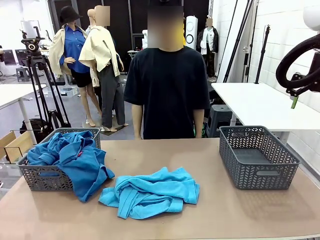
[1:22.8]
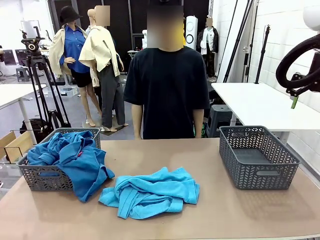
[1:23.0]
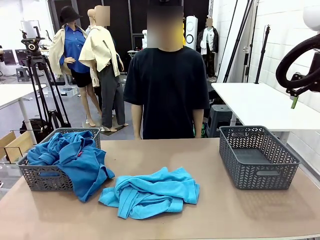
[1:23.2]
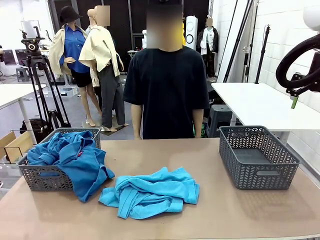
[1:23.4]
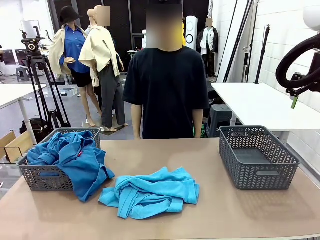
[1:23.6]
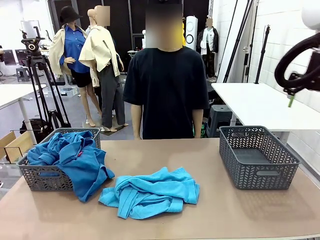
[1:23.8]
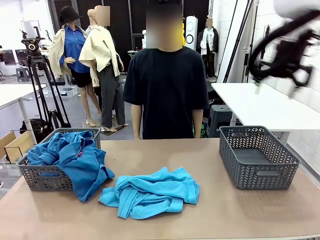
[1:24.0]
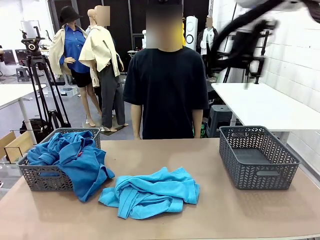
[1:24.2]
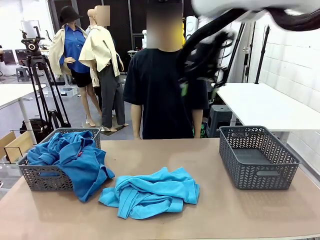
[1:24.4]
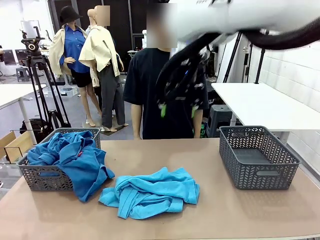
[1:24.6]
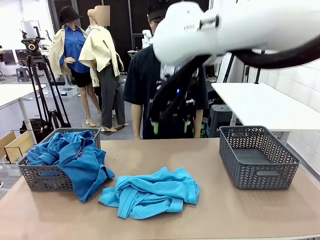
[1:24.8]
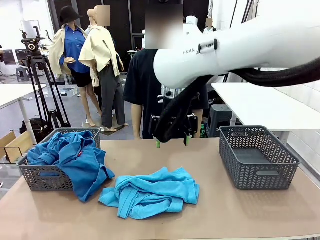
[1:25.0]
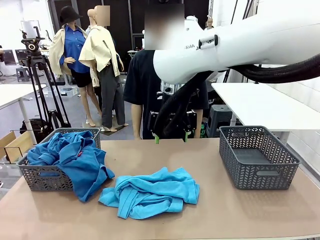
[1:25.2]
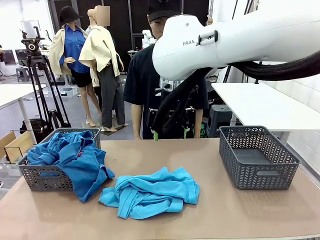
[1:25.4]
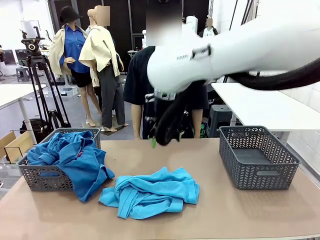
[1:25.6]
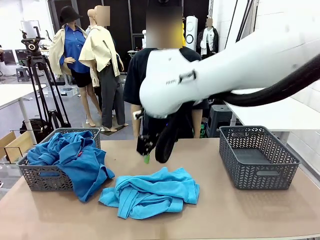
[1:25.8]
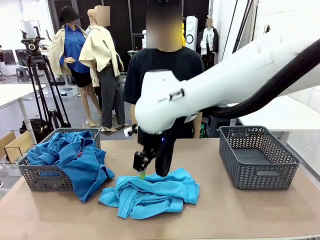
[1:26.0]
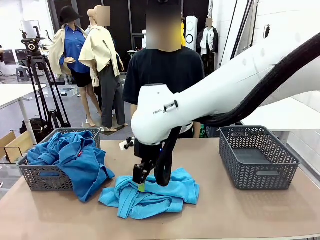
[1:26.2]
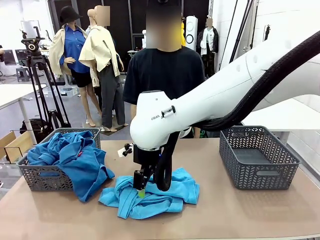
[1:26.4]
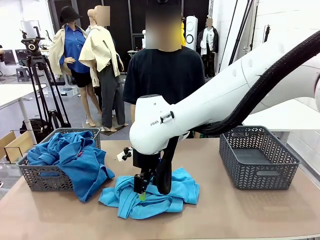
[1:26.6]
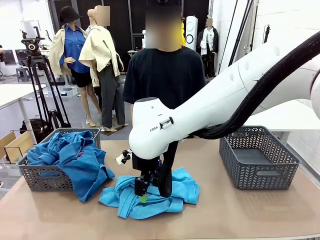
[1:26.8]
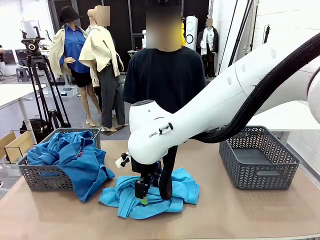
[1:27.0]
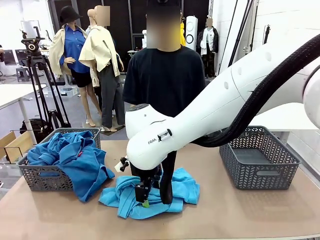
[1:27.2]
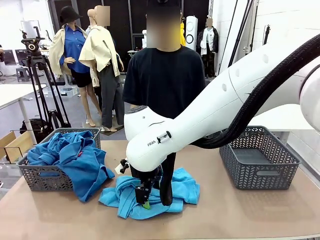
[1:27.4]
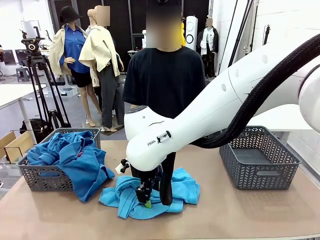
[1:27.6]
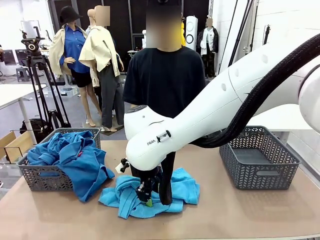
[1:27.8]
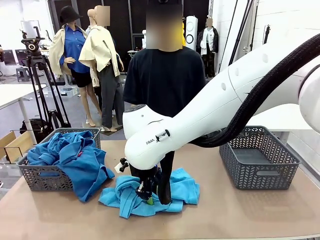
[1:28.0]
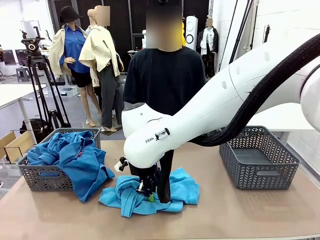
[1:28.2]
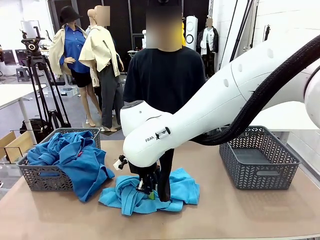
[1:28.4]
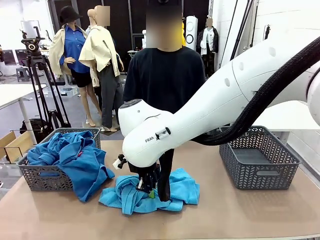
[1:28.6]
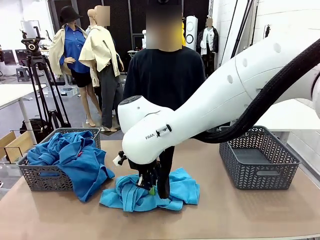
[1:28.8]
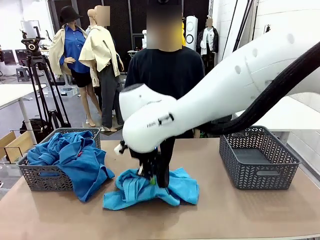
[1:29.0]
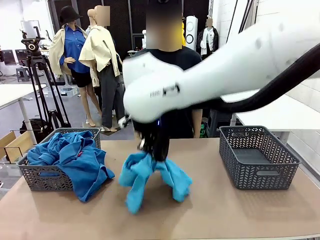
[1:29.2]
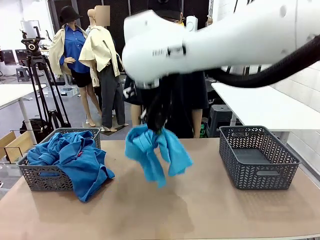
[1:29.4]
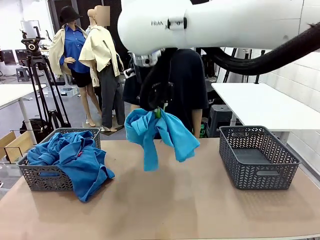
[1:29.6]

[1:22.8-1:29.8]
Task: Sort the tops and bottoms.
Robot: Lift clothes from the center of the table with your right hand.

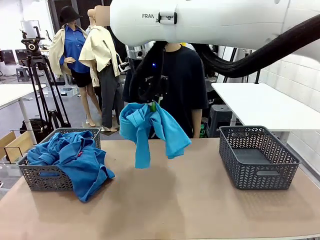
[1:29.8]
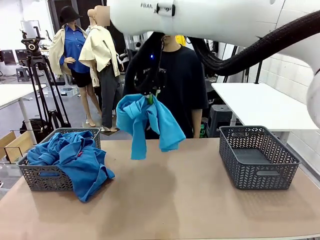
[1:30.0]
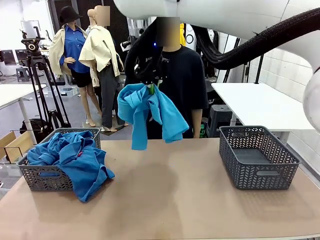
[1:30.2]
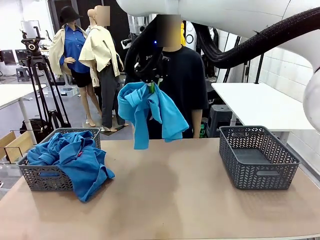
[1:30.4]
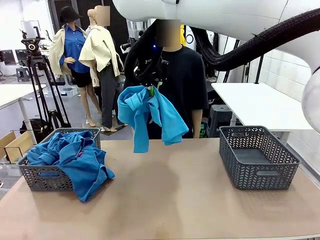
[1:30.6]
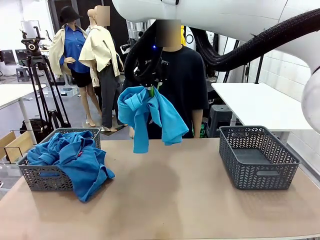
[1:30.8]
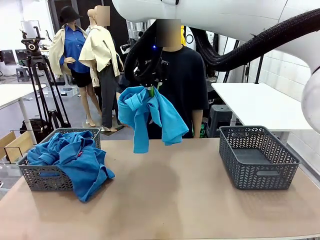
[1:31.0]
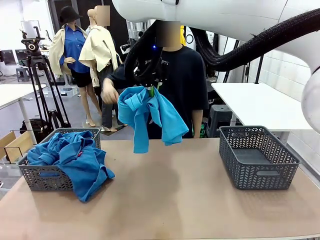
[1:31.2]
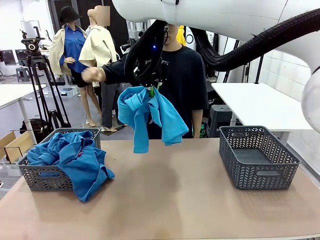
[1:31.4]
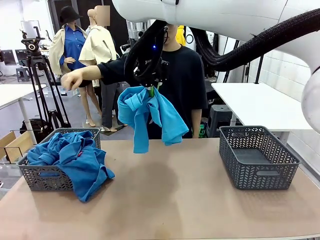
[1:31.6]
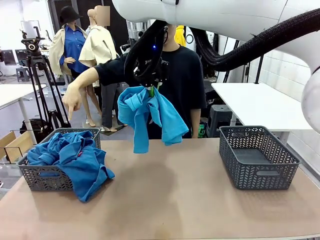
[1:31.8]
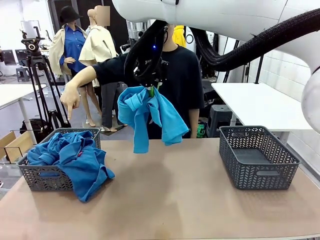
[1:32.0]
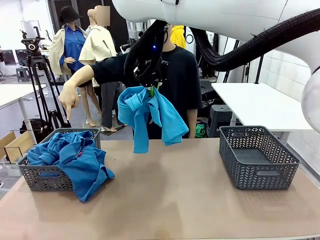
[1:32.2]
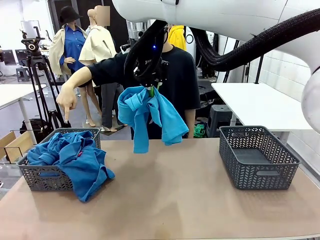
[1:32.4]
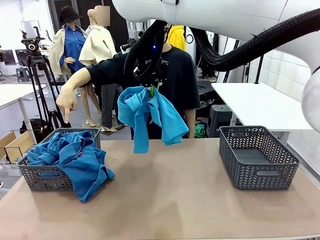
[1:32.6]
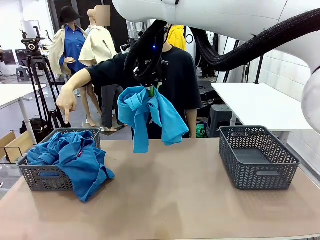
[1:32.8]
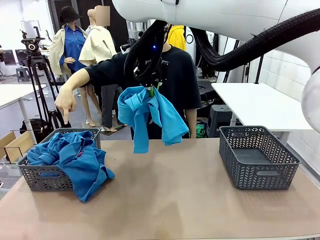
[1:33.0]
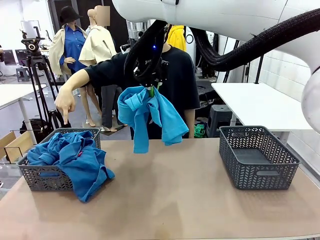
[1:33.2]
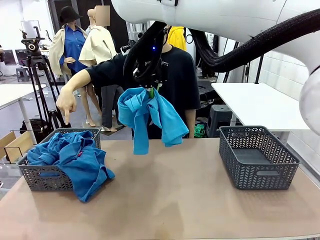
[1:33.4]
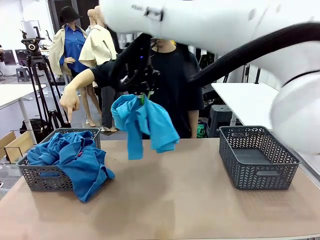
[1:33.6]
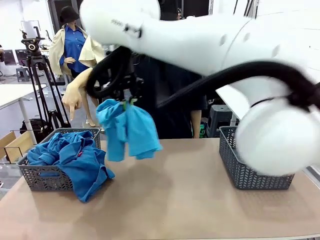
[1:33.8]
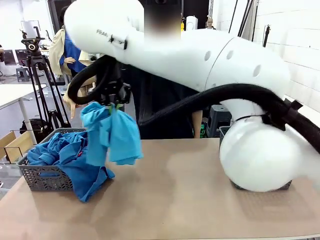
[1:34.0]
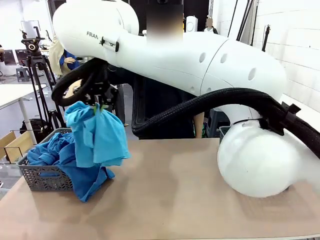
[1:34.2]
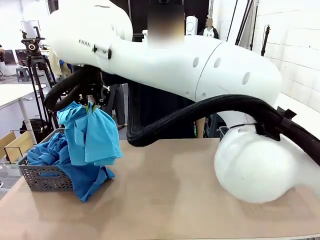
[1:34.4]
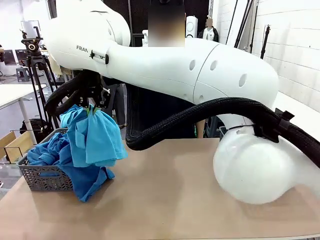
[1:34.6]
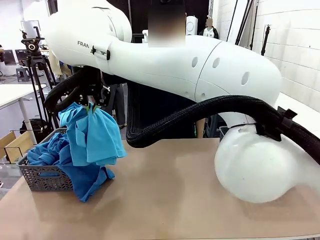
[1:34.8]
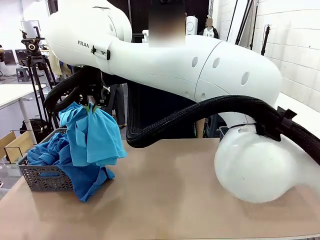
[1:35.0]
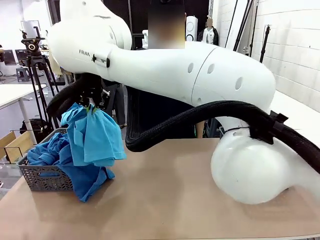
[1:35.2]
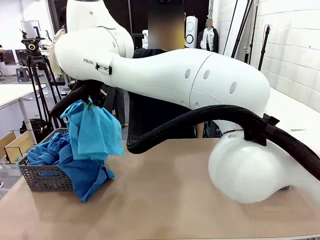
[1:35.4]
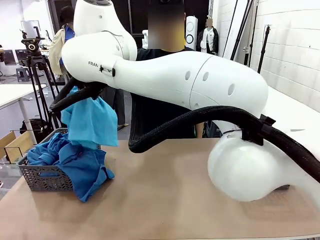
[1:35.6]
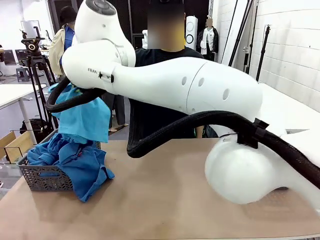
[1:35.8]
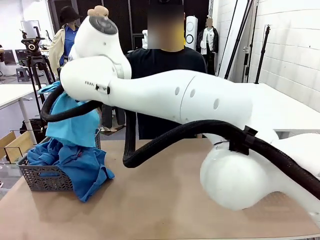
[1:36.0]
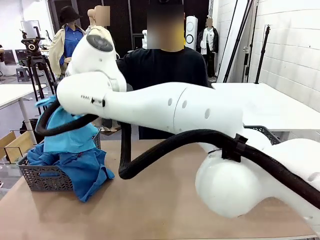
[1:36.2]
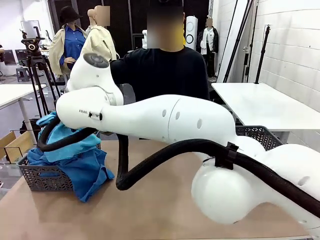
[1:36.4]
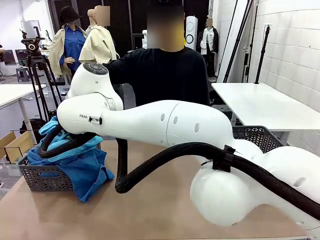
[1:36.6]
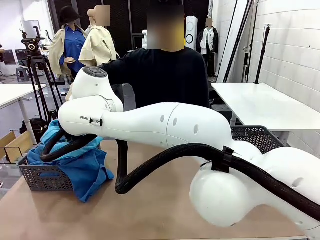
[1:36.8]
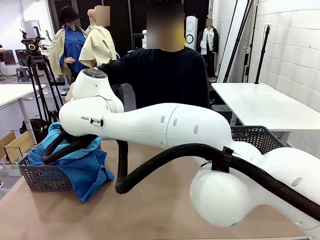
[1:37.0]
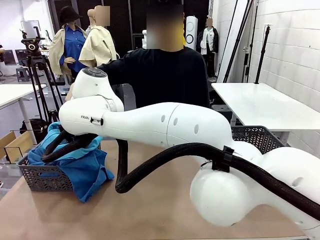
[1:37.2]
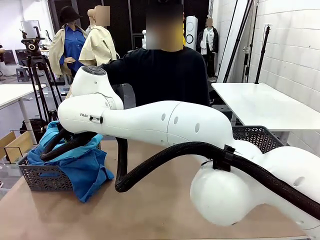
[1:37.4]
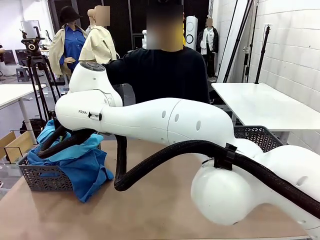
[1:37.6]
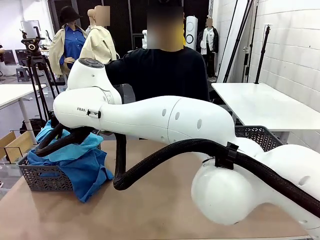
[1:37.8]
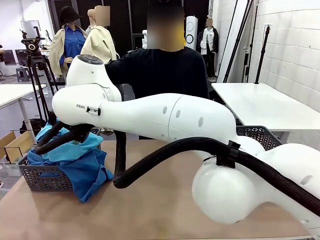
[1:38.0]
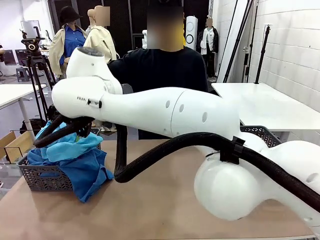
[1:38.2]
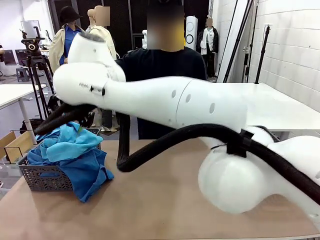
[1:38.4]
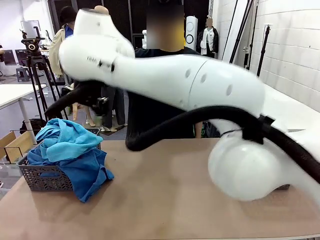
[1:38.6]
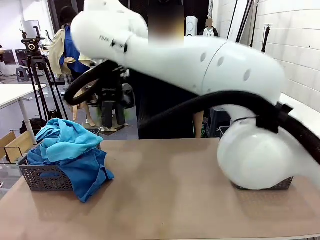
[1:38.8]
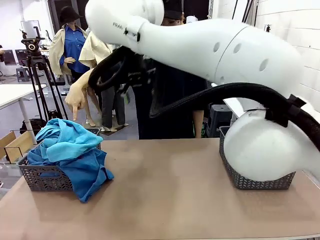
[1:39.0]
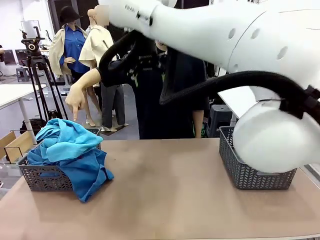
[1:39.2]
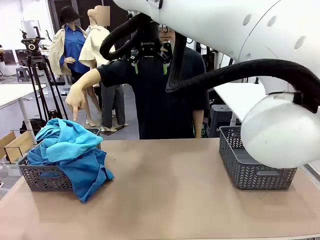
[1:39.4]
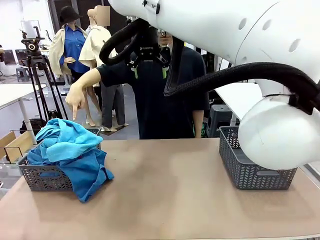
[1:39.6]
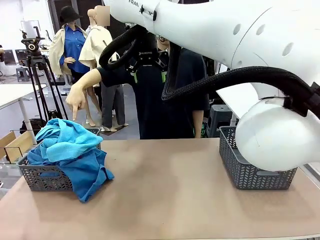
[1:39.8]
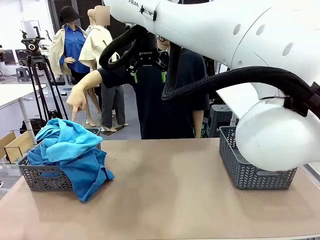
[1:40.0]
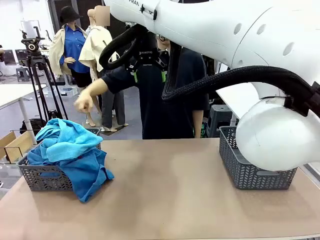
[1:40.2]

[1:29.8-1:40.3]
Robot: Sort the clothes according to human instructions.
